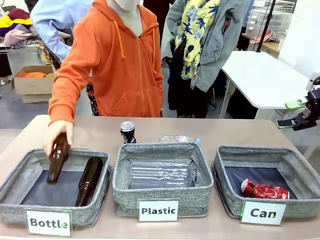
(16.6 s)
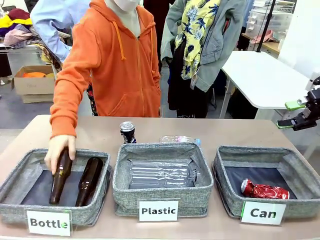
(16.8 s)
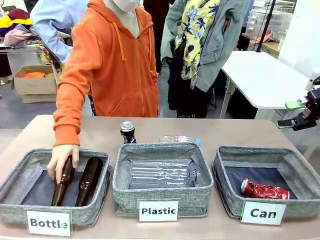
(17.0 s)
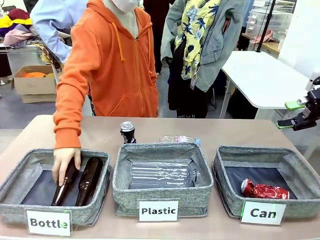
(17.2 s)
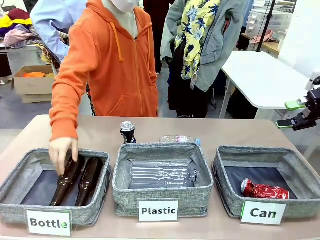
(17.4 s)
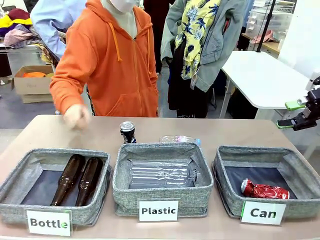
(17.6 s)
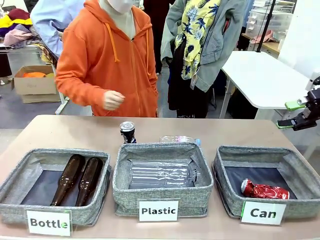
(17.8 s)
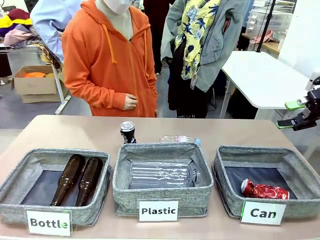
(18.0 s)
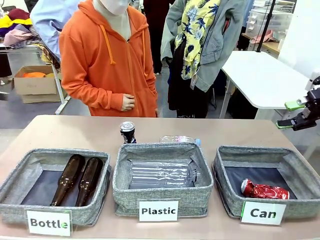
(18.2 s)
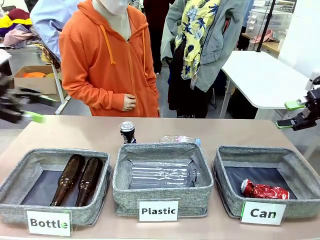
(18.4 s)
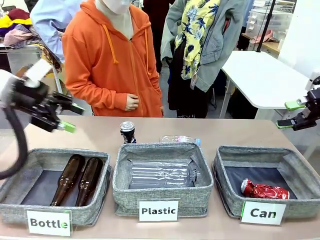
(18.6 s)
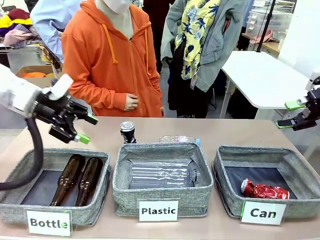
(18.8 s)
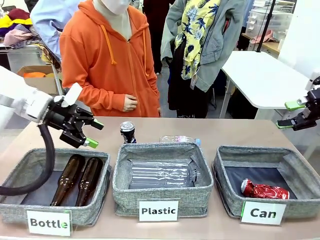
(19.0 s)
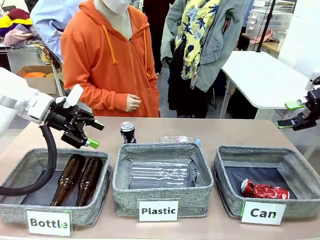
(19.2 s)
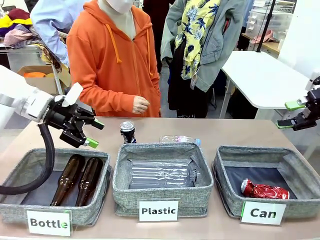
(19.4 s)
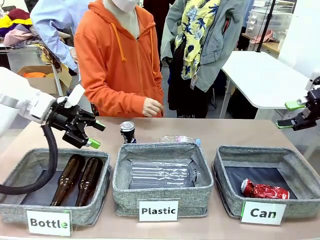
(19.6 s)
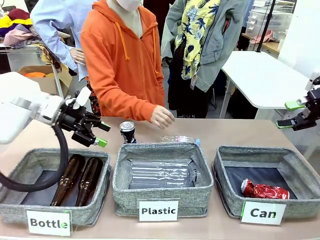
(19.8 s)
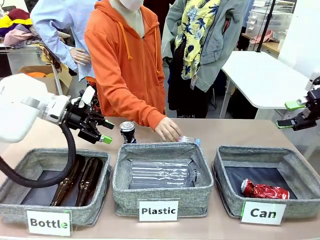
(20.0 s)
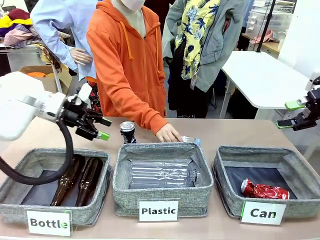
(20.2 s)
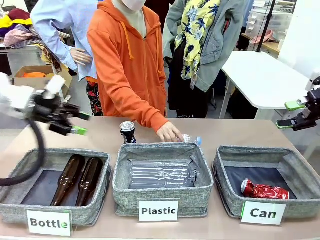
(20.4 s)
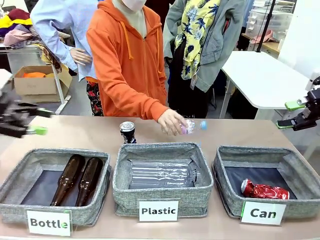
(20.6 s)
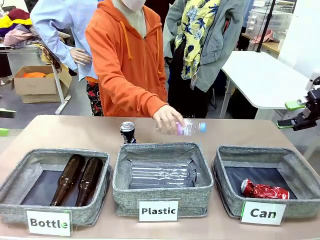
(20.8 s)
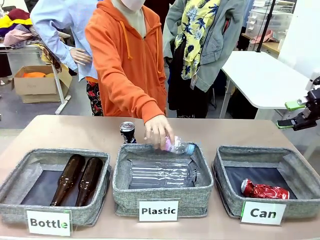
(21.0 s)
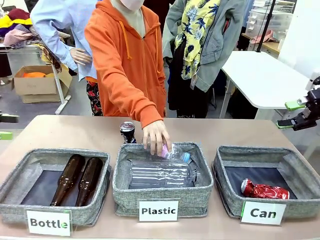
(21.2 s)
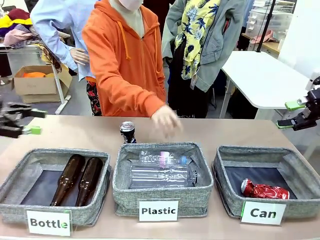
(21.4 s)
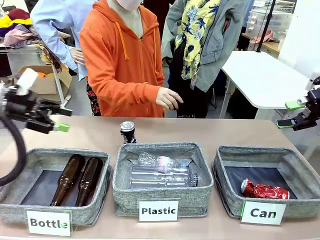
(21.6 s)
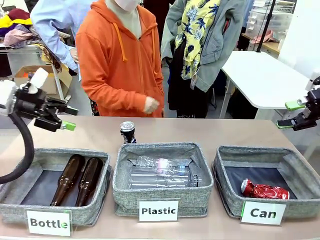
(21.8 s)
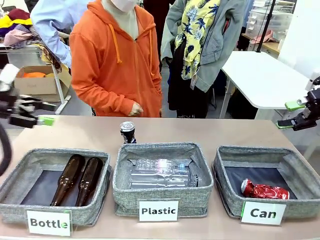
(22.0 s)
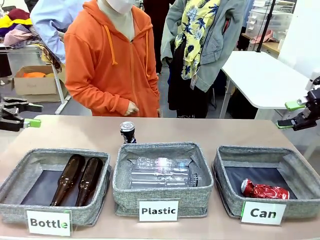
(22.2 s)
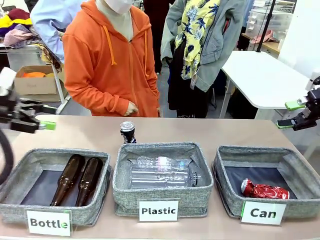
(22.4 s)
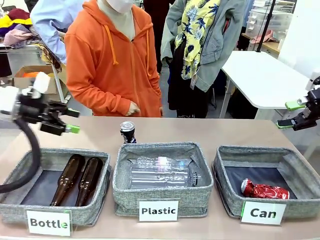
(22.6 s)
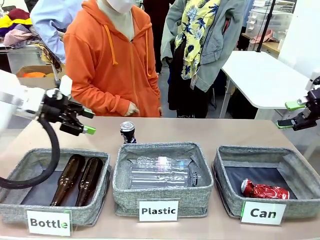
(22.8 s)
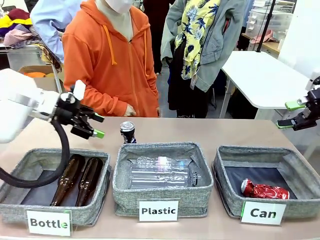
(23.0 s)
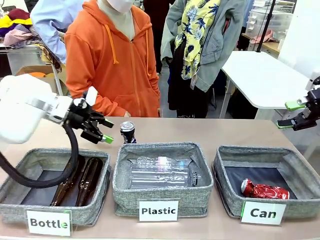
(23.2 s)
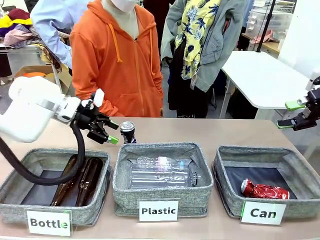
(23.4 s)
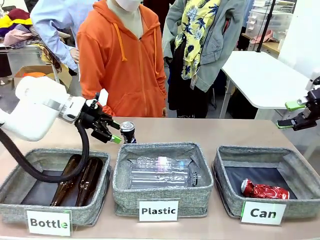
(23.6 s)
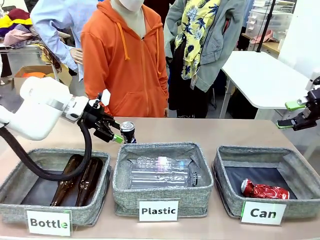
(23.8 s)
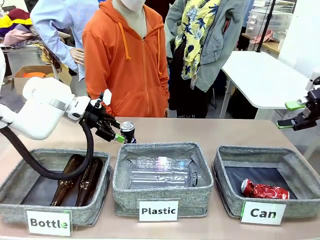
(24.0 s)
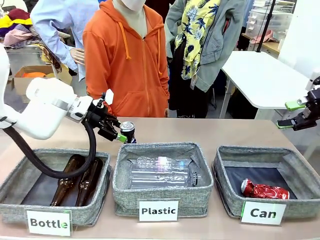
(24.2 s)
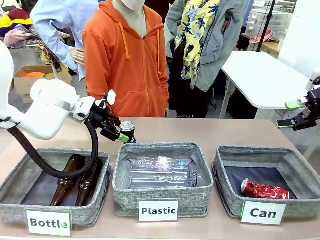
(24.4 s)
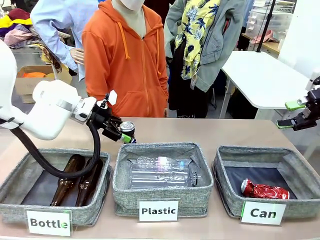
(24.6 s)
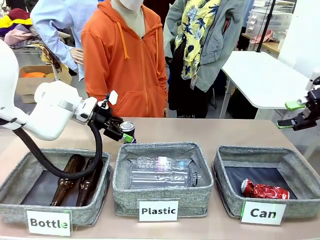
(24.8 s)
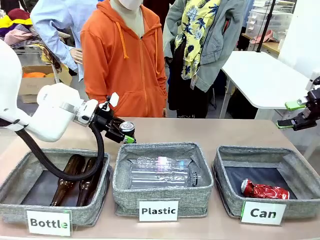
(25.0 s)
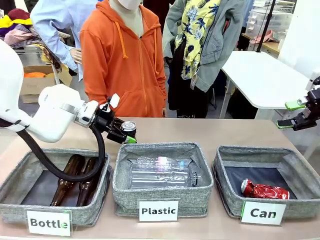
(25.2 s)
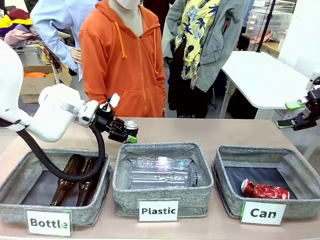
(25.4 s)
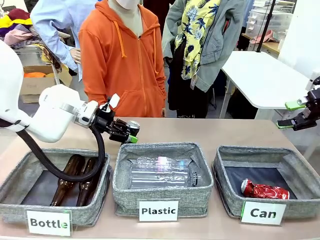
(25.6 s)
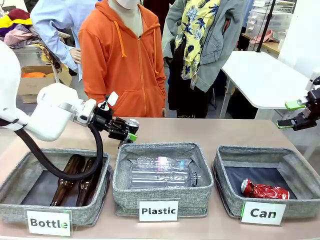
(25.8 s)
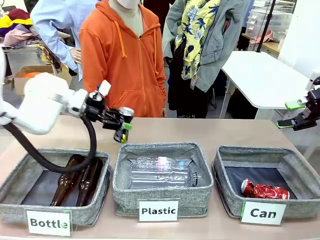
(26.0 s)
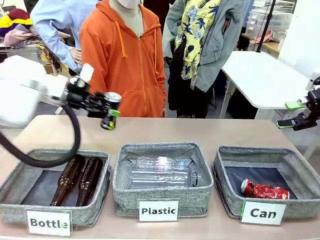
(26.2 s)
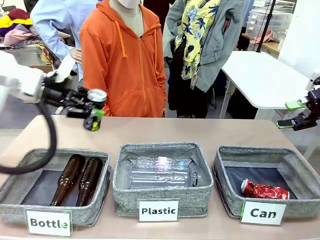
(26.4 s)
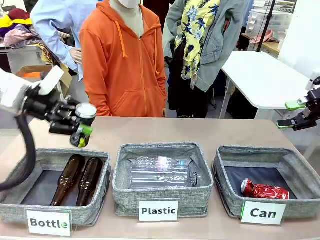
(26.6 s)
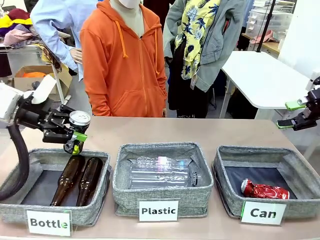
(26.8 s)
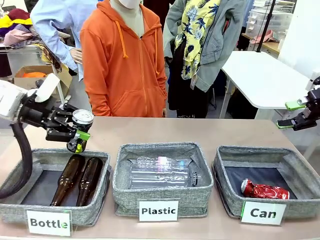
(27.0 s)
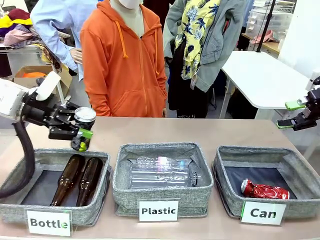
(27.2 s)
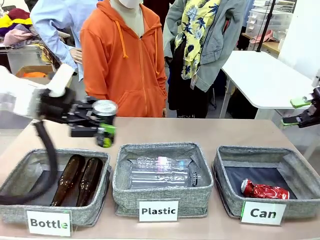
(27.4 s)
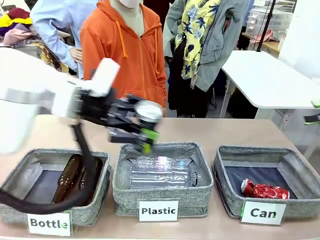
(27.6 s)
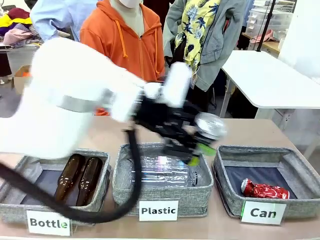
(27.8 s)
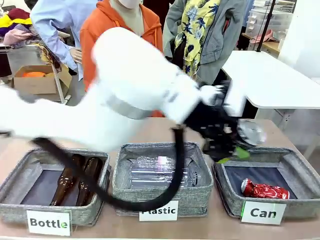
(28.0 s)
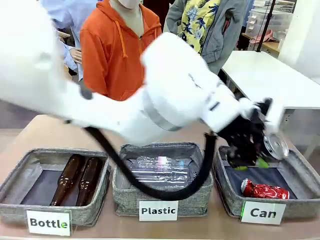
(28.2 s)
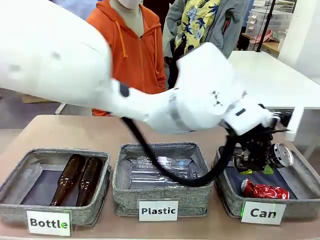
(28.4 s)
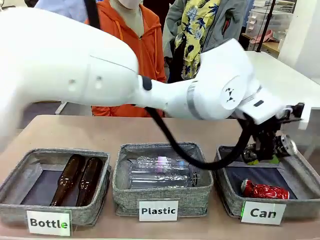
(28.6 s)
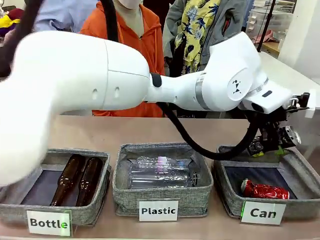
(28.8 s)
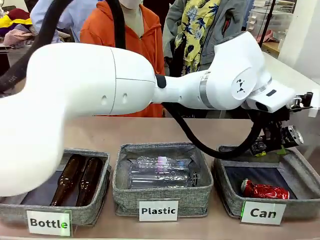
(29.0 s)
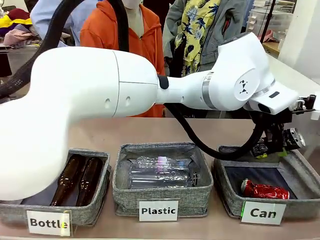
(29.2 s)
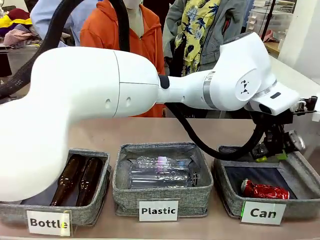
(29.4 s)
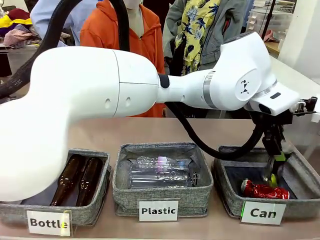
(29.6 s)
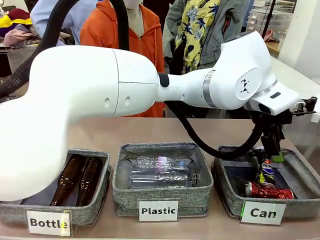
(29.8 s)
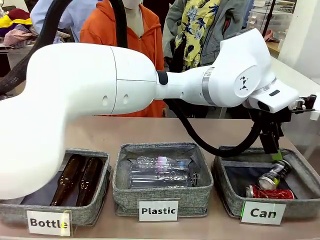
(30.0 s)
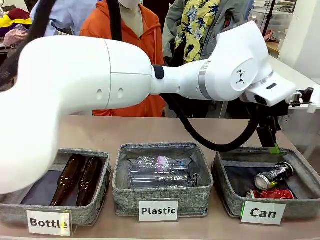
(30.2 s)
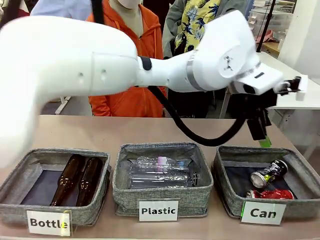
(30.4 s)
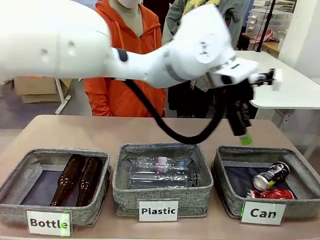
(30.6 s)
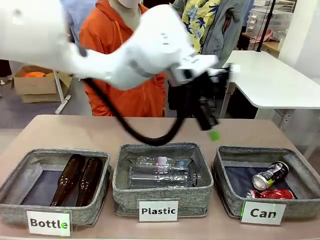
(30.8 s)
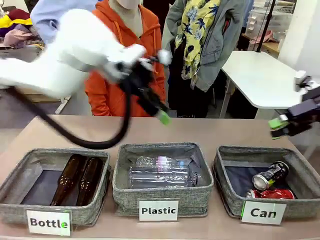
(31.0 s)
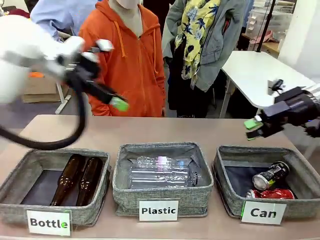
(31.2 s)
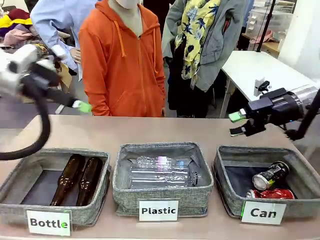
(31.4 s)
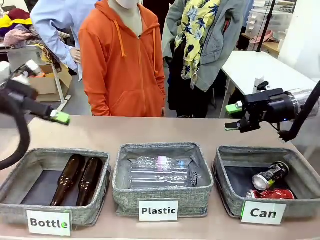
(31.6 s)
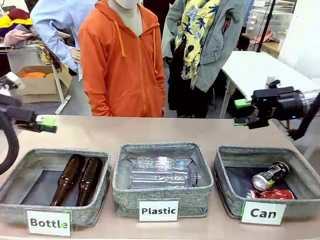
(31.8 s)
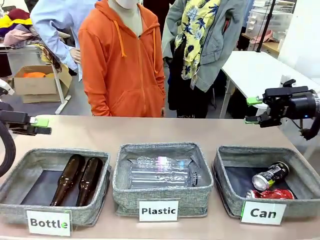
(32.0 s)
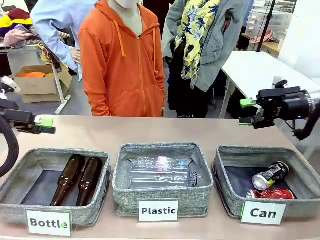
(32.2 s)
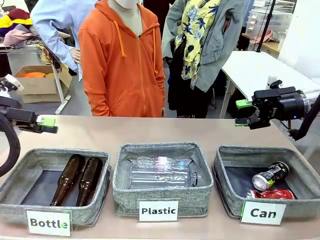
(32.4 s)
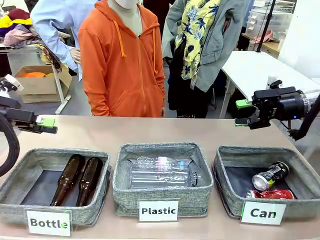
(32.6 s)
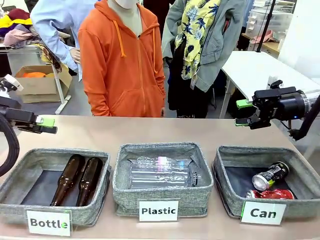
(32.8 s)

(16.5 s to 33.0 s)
Task: Sort the can waste into the basket.
Robot: Pick up the can waste from the table and place it in the right Fabric basket.
